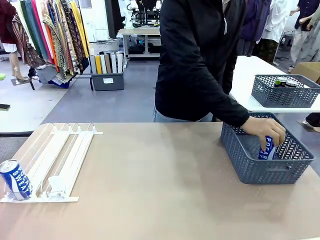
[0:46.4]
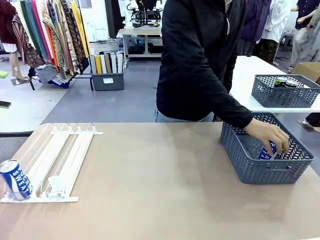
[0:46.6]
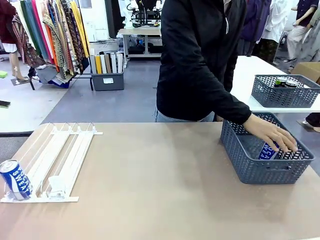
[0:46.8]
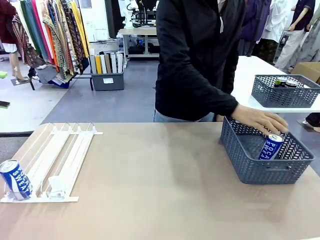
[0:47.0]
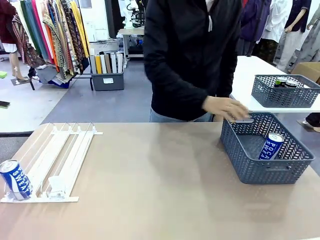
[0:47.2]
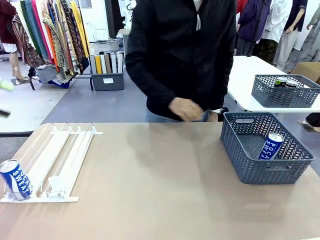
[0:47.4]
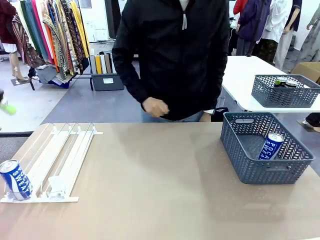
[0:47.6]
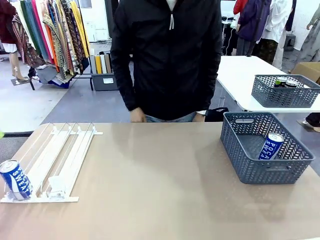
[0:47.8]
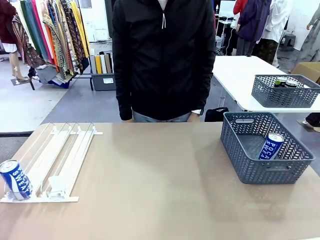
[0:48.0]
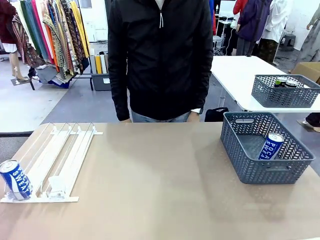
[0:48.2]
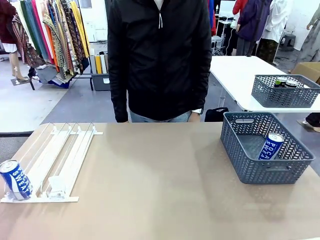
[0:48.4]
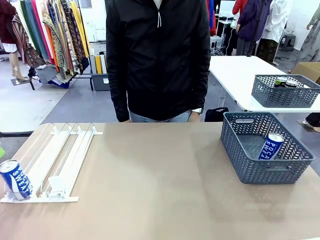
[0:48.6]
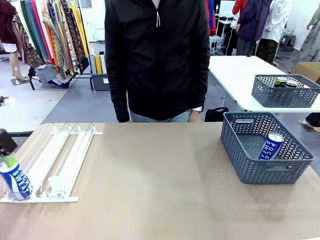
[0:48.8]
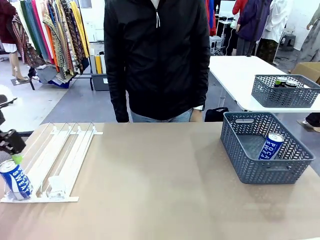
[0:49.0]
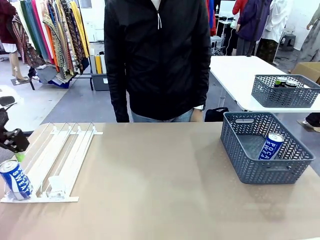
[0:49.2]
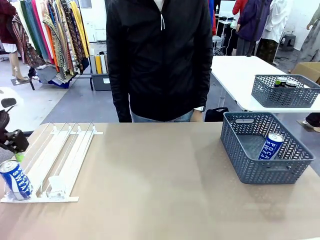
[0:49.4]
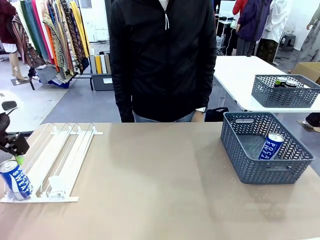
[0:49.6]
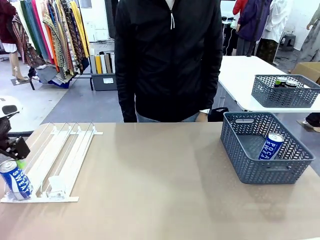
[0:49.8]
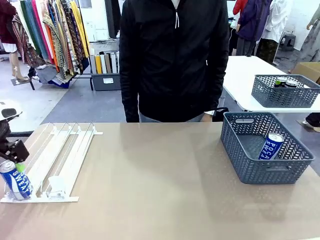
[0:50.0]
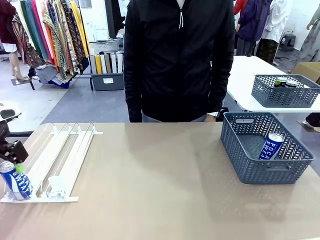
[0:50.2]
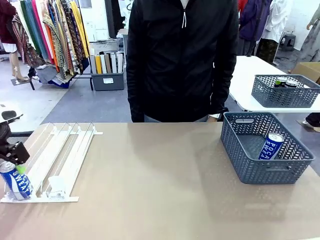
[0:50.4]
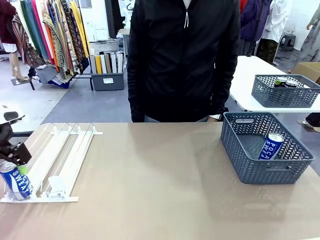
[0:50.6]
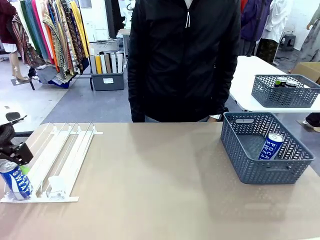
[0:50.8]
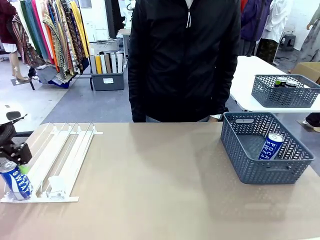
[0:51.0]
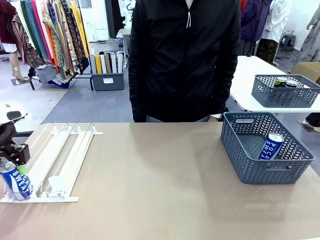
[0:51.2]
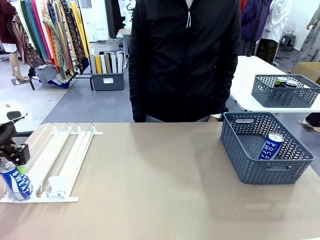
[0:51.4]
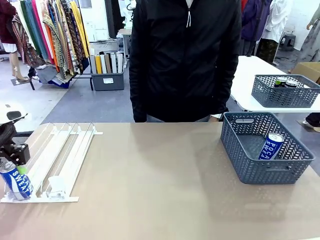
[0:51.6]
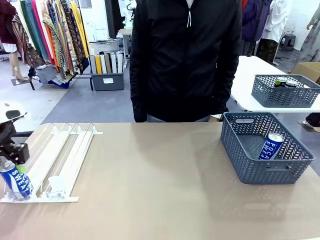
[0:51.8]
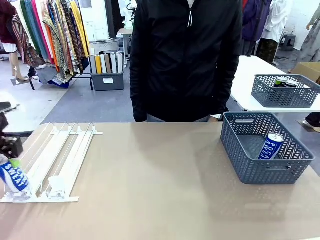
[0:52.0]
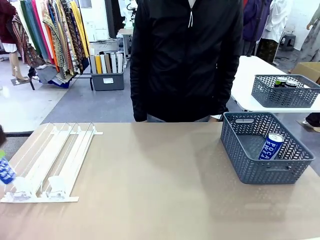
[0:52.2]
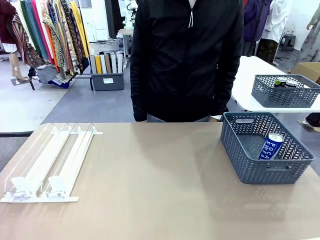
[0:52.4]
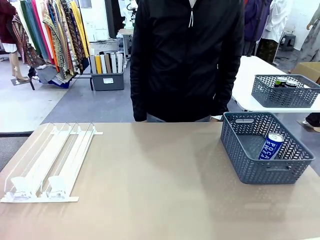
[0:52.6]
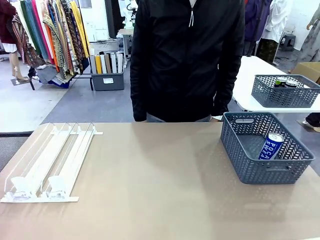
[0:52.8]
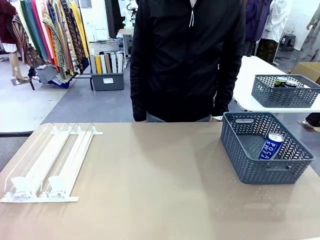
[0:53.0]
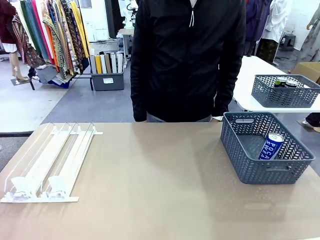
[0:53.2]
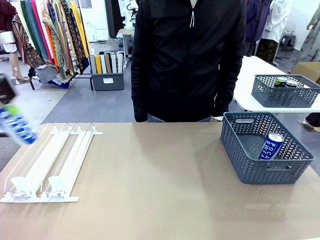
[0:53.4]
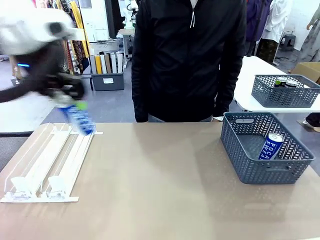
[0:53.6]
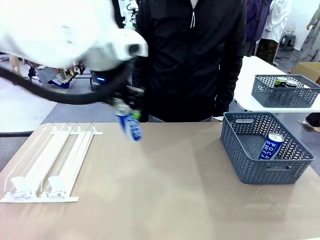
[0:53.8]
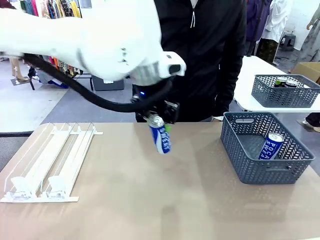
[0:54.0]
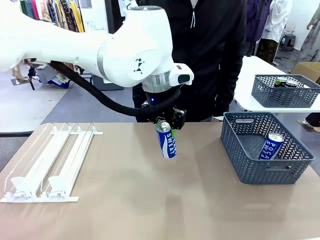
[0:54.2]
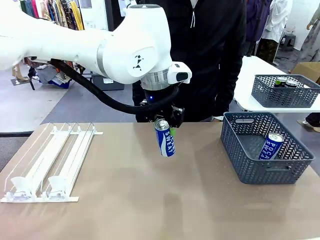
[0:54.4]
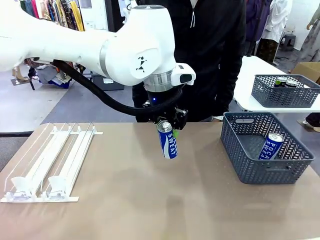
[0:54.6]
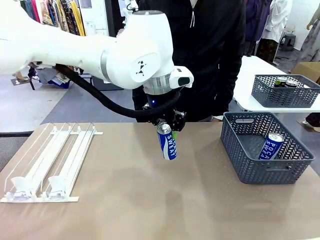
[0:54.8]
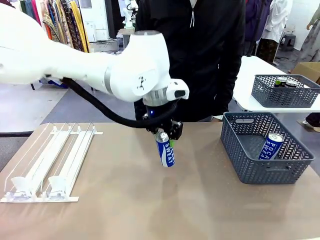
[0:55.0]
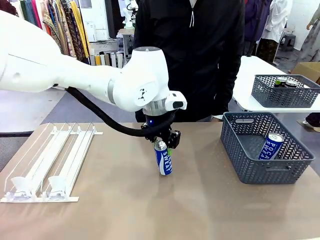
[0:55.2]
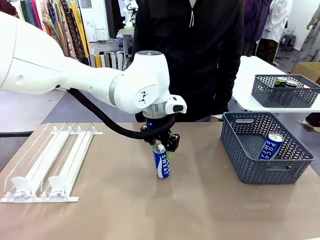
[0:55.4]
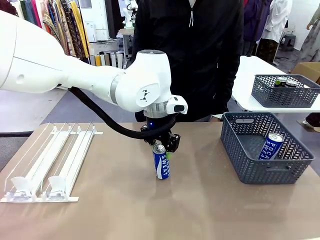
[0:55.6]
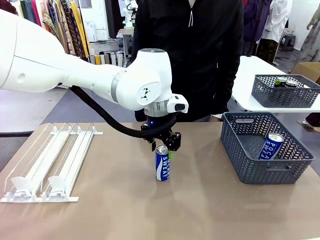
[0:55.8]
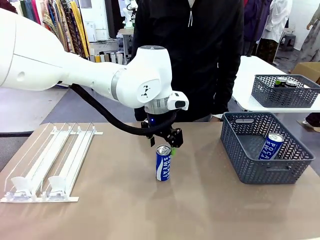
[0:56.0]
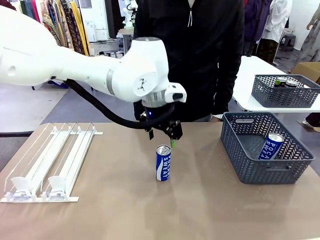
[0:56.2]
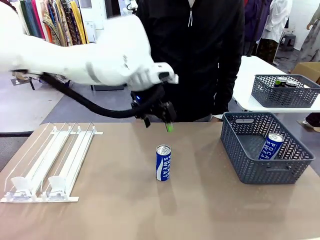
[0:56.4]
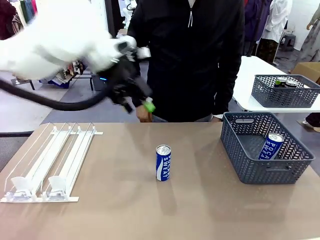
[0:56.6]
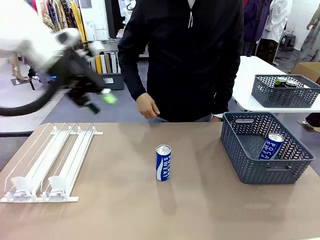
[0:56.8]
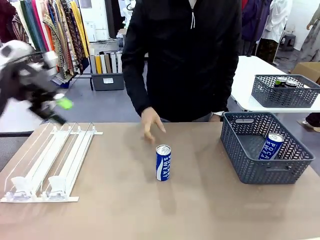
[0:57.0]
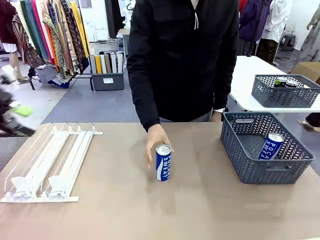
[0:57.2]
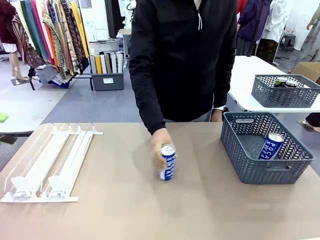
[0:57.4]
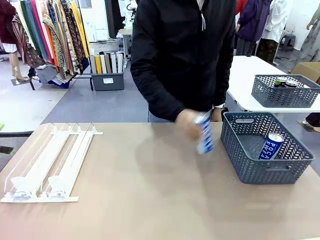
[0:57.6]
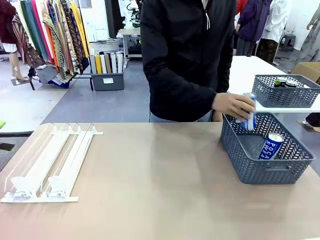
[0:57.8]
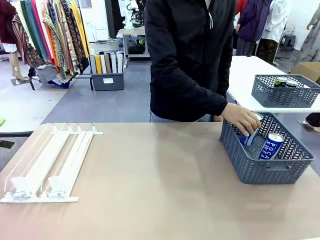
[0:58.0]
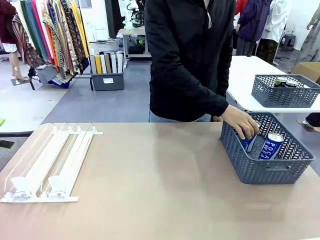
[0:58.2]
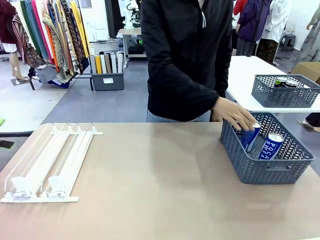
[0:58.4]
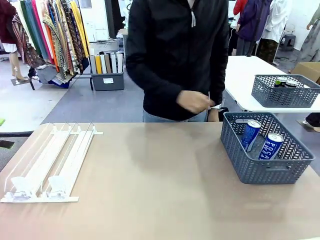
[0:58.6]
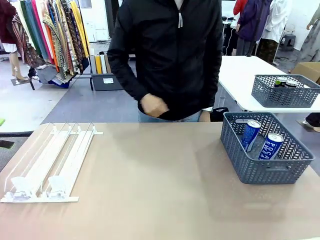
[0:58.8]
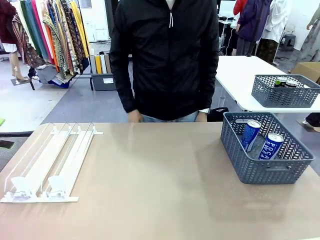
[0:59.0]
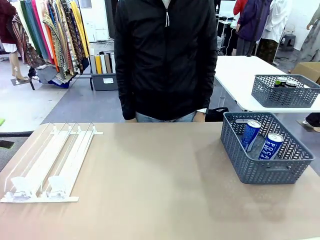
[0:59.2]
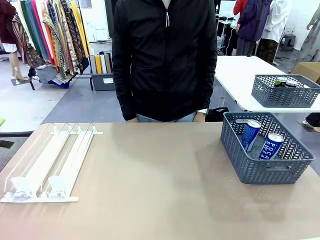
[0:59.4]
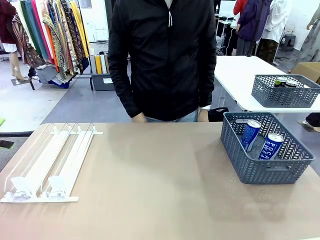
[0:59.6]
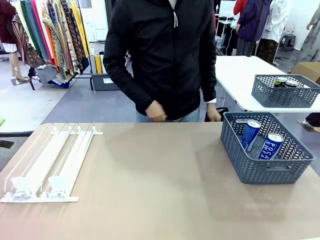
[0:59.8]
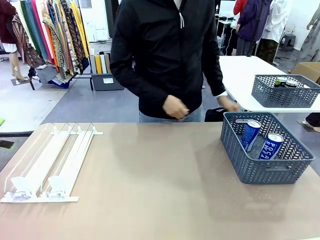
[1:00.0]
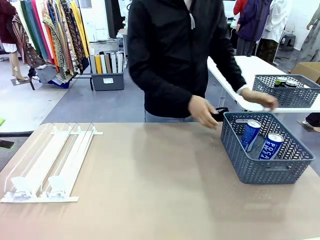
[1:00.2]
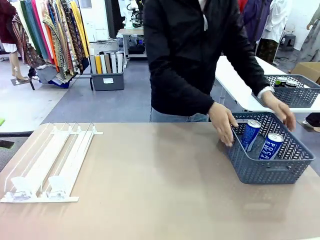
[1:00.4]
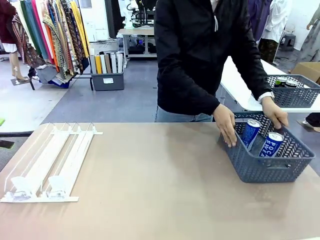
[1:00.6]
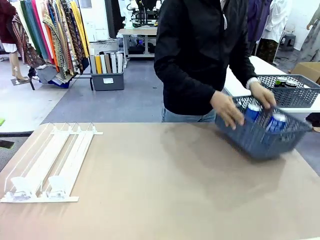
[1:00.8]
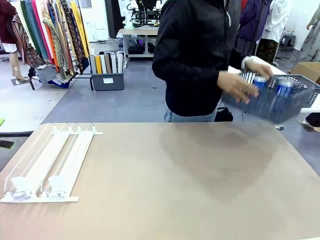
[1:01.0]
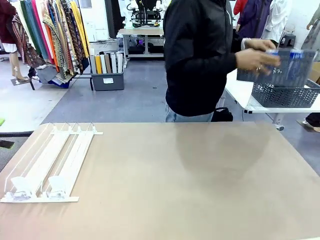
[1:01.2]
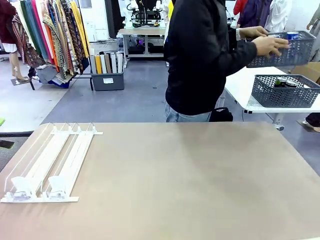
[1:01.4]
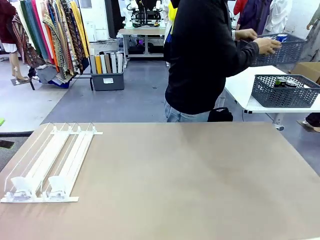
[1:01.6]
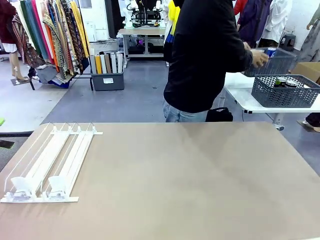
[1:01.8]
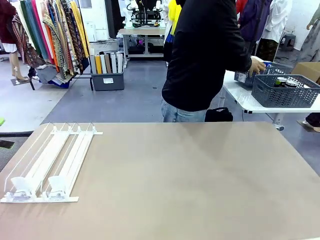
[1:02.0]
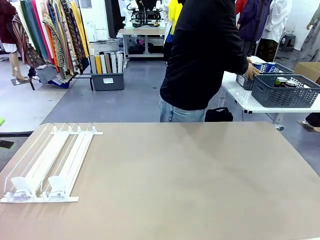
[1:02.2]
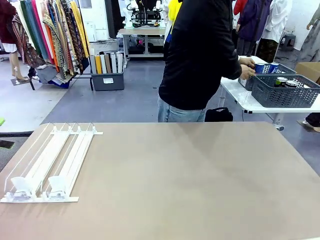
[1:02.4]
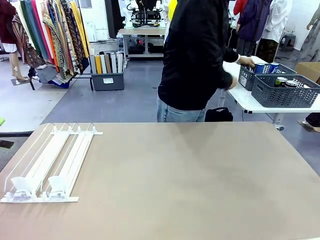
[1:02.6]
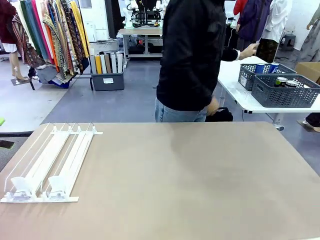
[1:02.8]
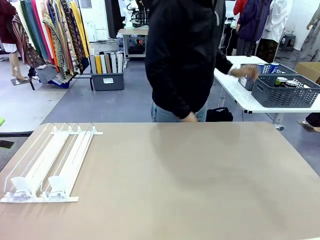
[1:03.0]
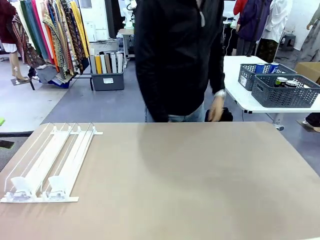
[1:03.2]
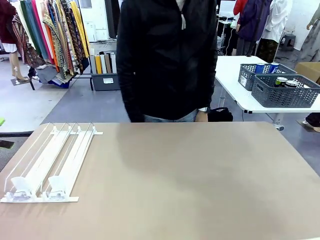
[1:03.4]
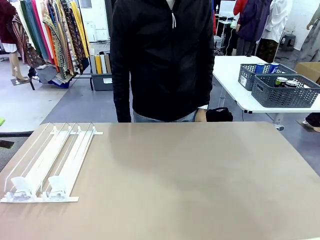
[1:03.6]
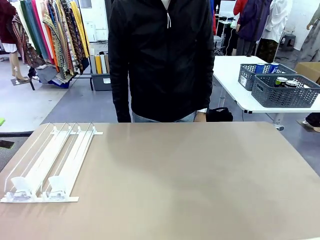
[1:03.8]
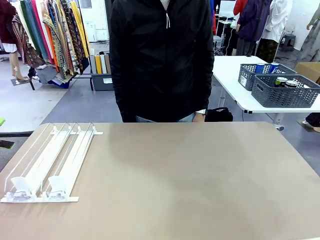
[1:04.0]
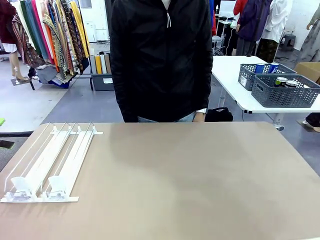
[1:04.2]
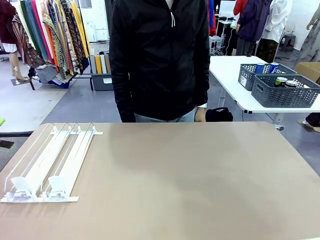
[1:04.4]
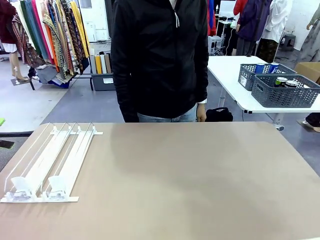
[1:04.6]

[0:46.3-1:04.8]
Task: Retrieve and store the cans from the dispenser.
Robot: Pick up one can from the Automatic Can Dispenser and place it in the middle of the table.
Person: Pick up one sports drink can from the middle of the robot table and place it in the basket. Pick up the basket and place it in the middle of the human table.
